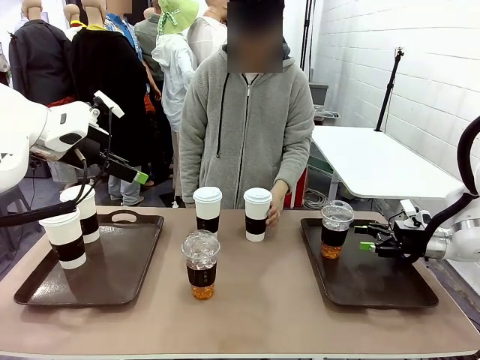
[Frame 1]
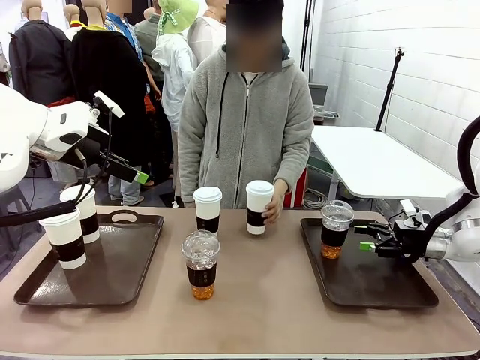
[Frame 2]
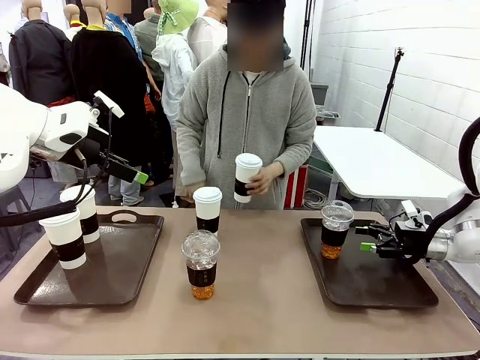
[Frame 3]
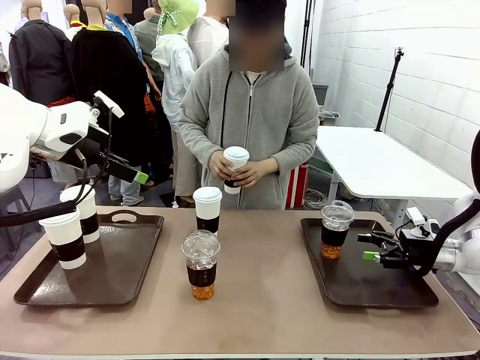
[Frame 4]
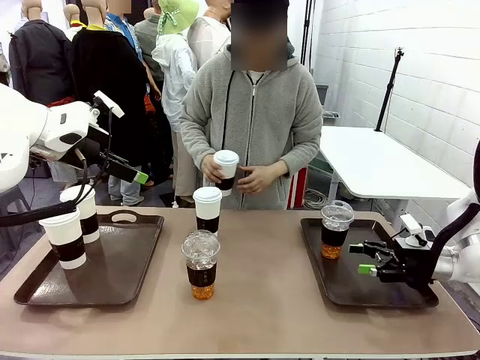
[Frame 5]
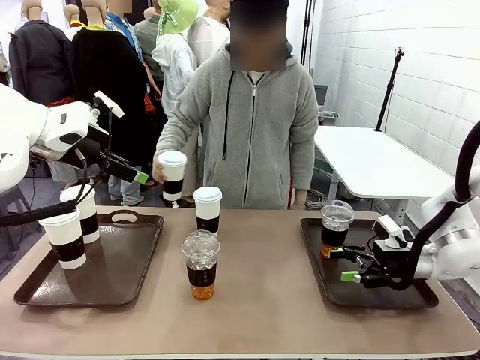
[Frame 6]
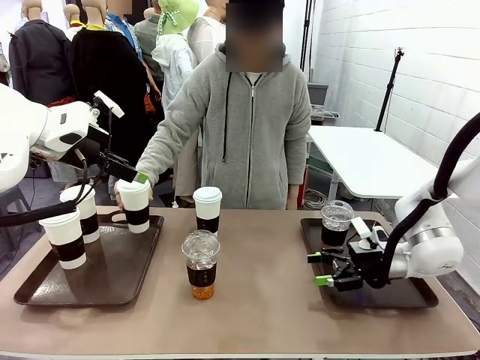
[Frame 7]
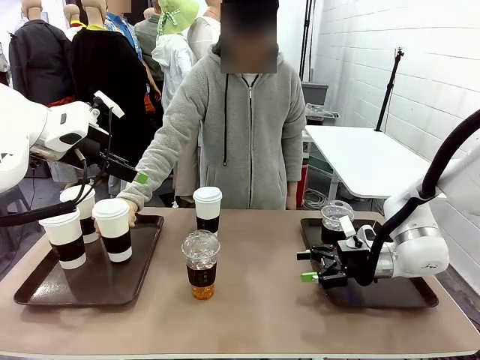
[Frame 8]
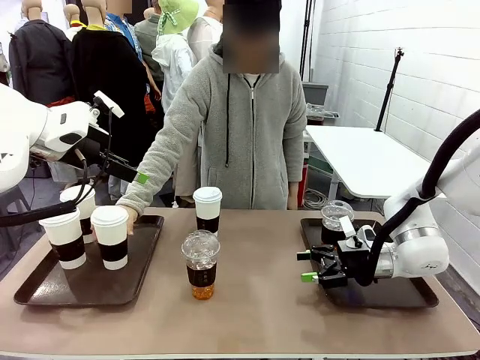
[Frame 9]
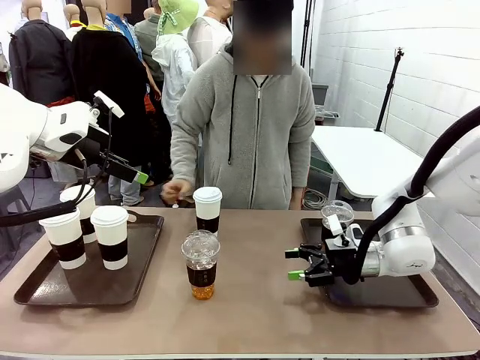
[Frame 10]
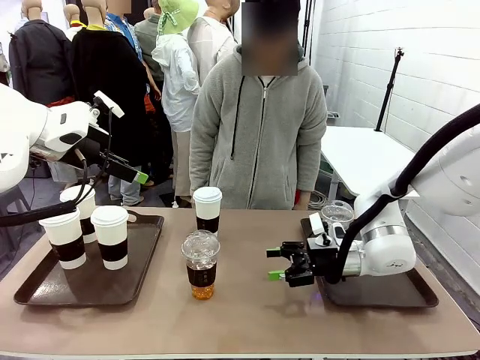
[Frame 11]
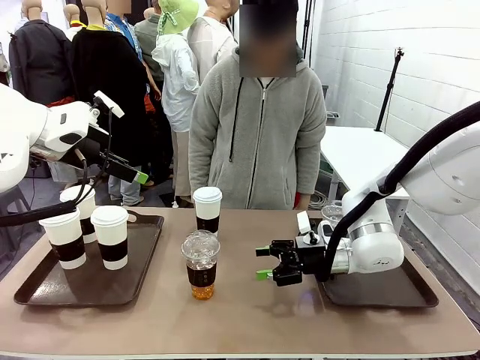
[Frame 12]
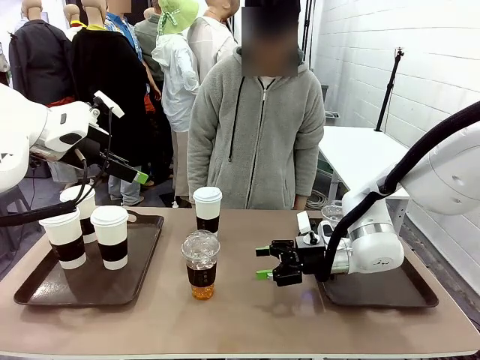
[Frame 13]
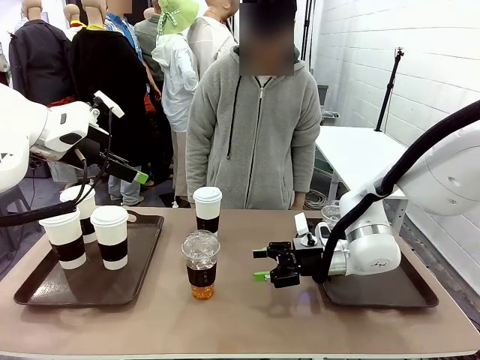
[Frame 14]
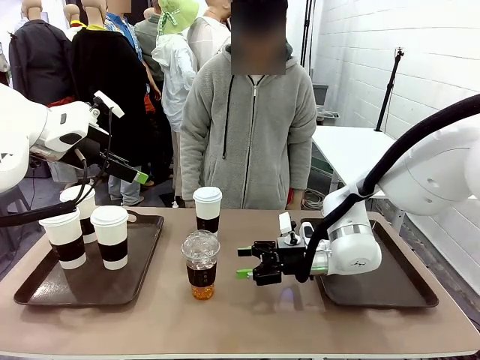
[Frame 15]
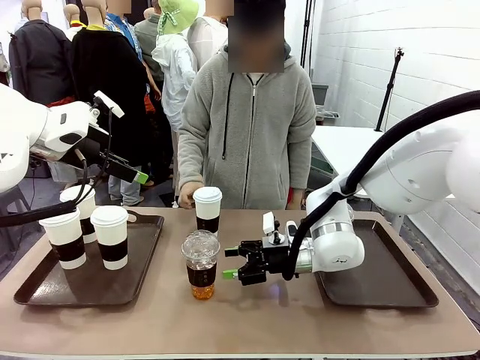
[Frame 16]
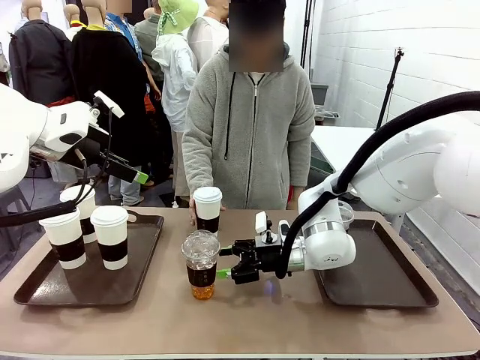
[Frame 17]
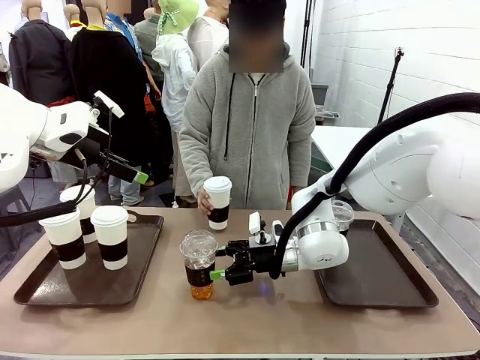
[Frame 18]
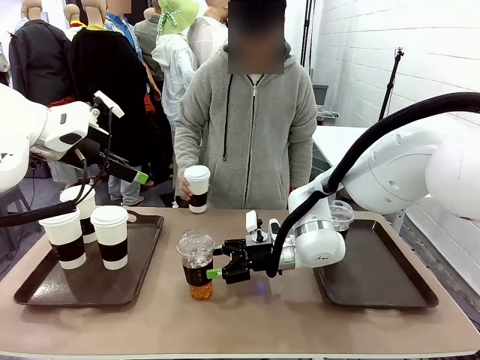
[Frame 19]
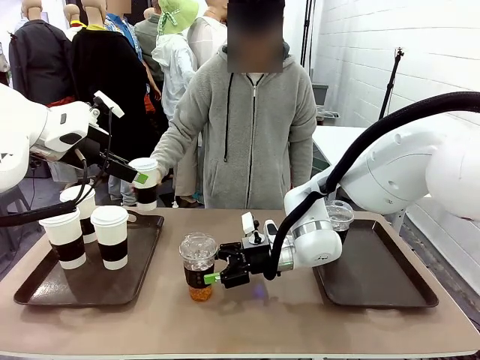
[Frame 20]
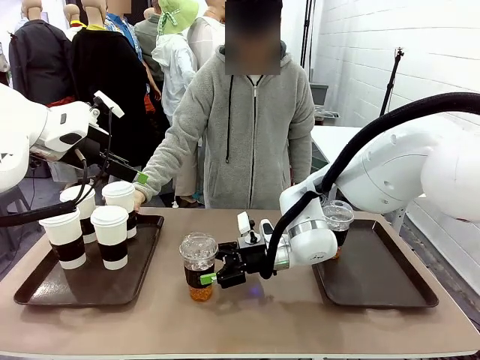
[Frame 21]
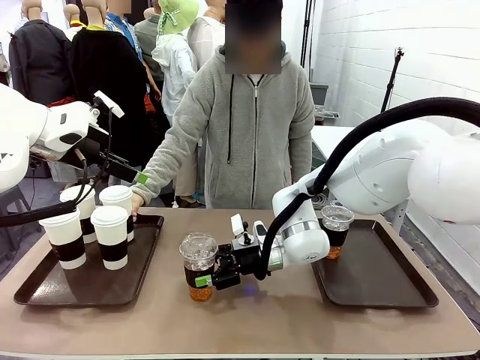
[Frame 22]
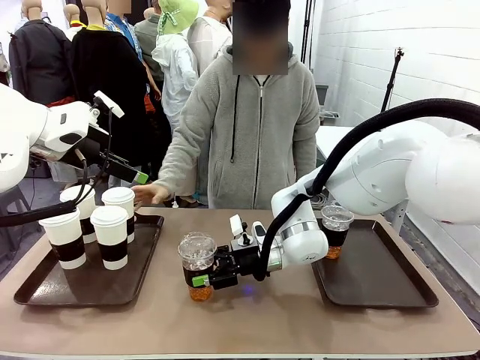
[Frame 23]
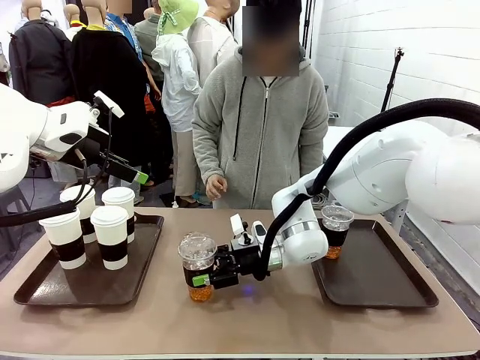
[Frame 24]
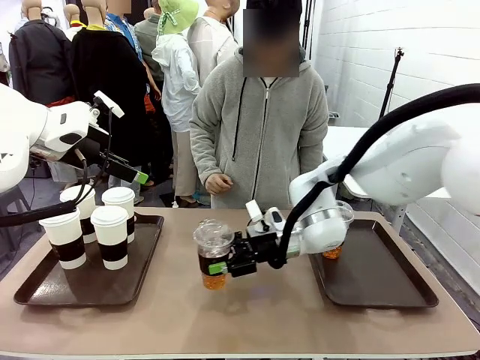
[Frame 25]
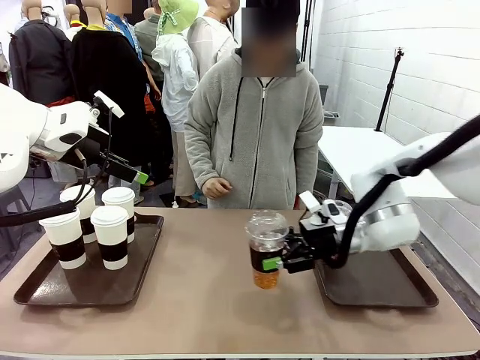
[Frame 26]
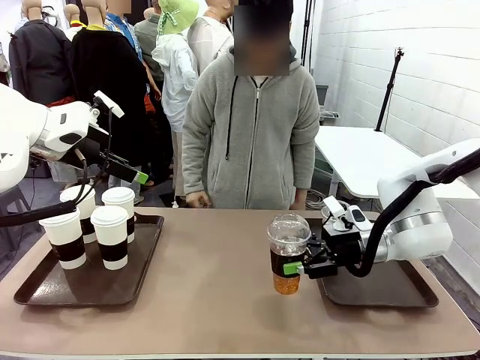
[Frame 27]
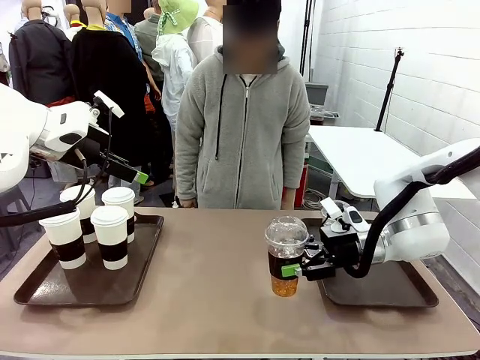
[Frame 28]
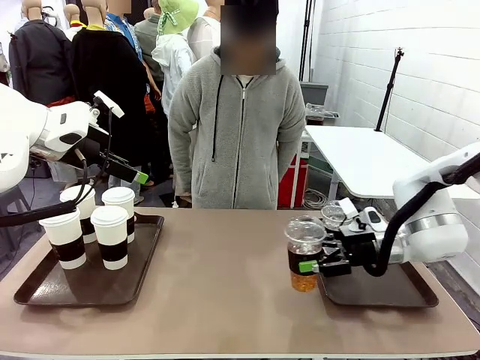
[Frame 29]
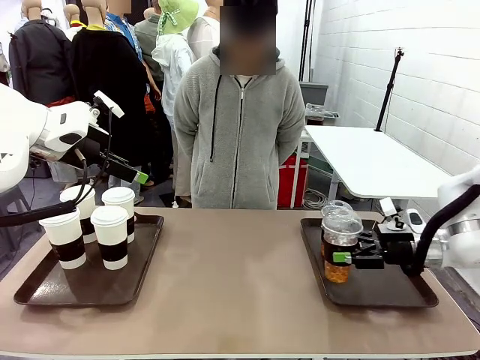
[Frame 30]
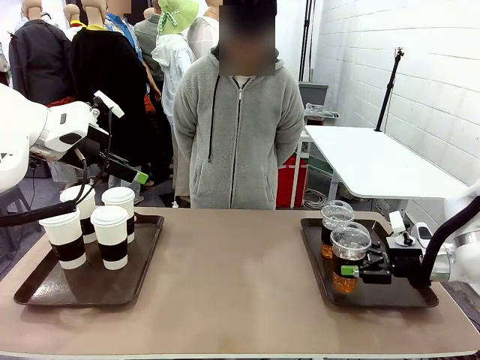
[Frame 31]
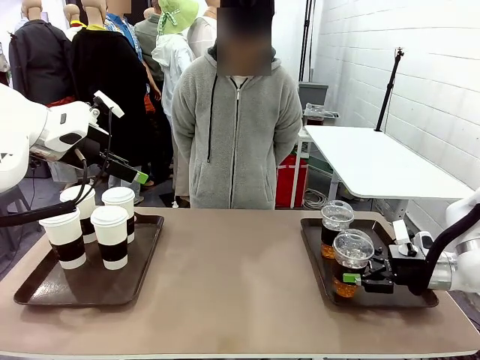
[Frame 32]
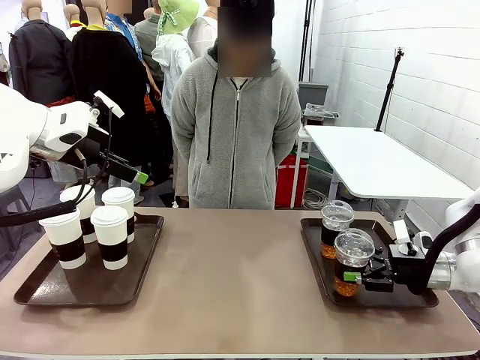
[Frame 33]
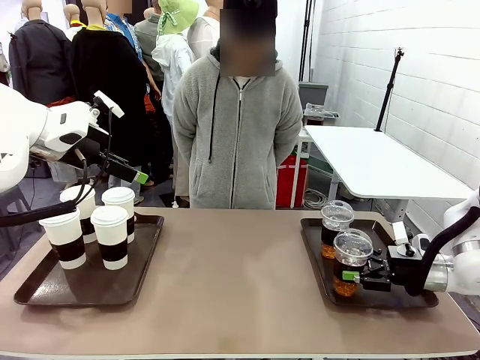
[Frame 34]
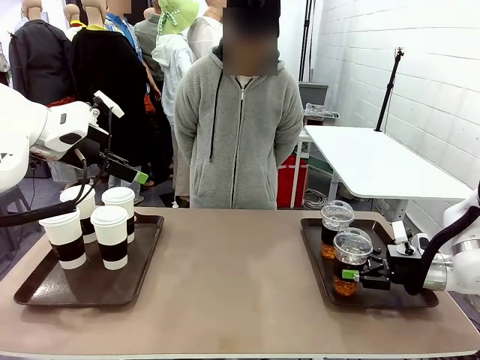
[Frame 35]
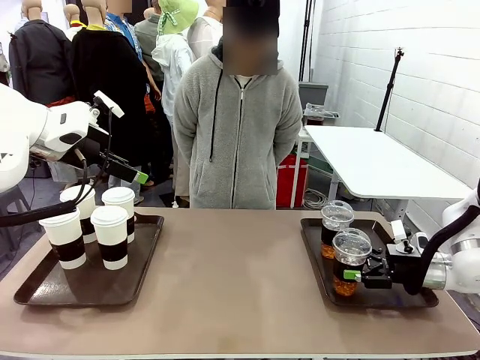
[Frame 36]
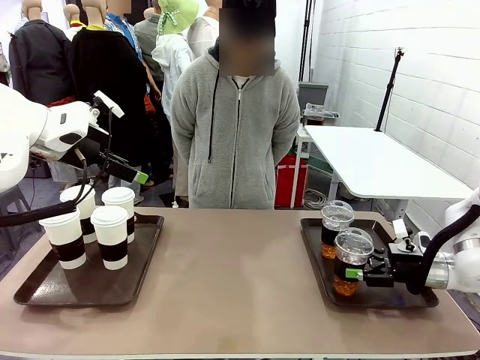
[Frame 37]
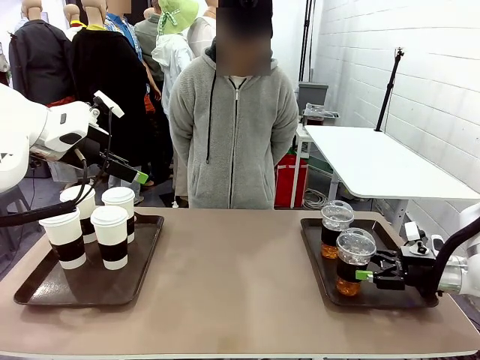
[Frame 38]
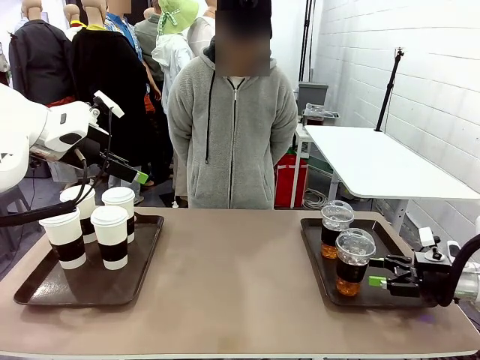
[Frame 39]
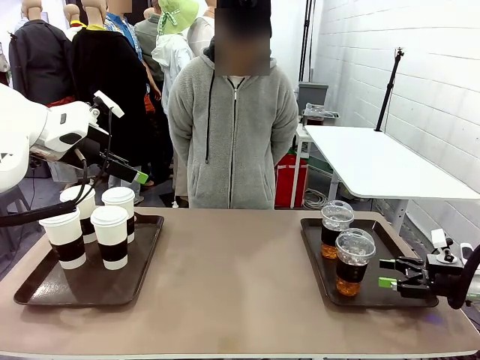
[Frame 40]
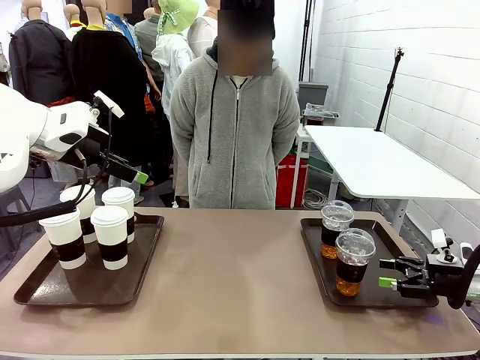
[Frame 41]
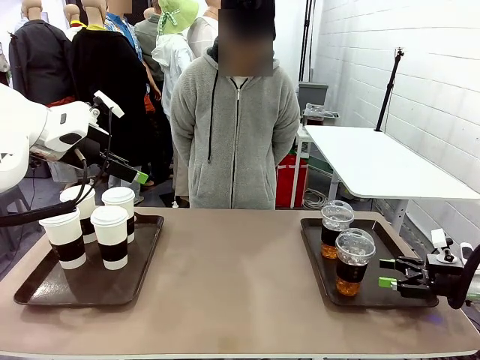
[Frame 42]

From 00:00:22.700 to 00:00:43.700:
Task: Distribute the coffee onto the tray.
Robot: Pick up another iced Americano from the middle of the table and place it on the right Handle tray.
Person: Pick up a cup of hot Americano from the middle of the table and place it on the right tray.
